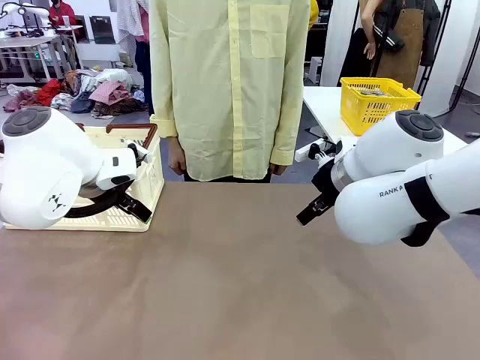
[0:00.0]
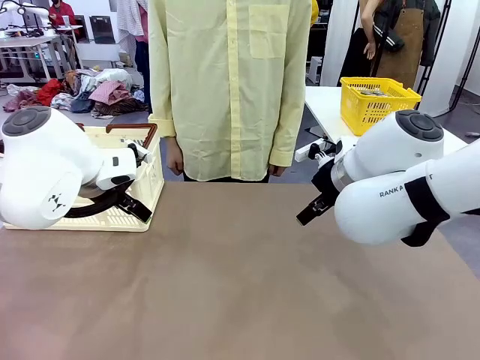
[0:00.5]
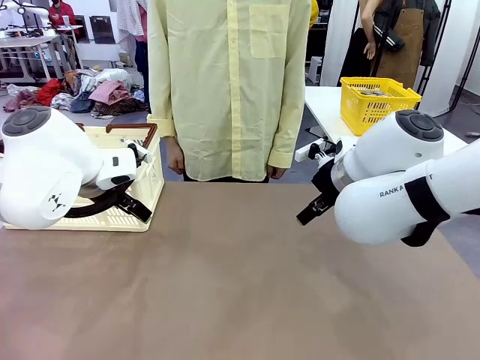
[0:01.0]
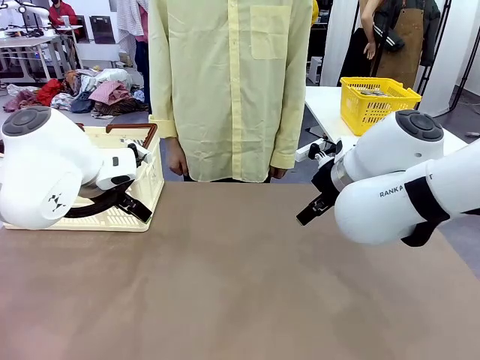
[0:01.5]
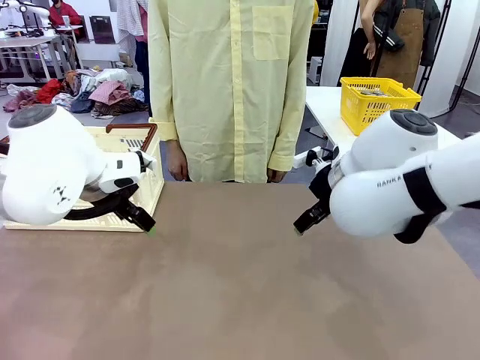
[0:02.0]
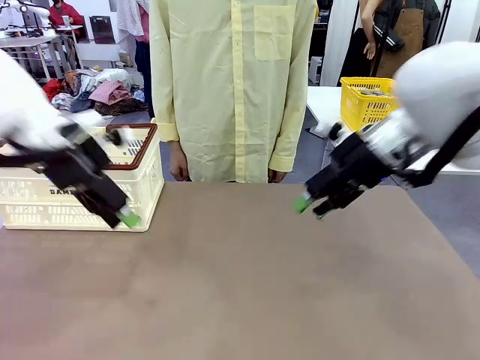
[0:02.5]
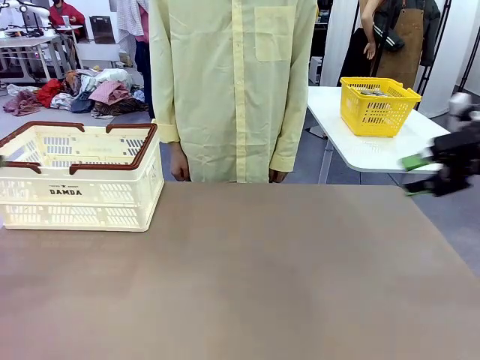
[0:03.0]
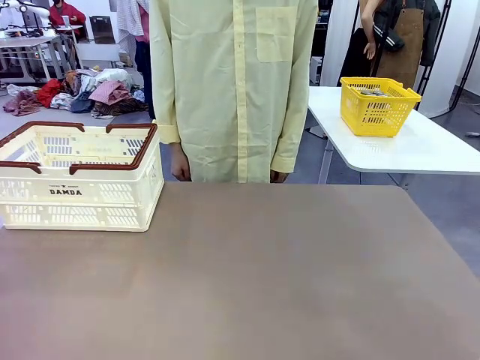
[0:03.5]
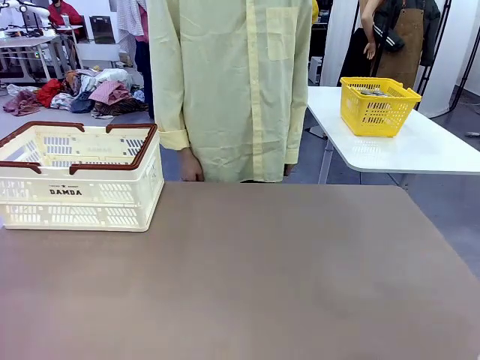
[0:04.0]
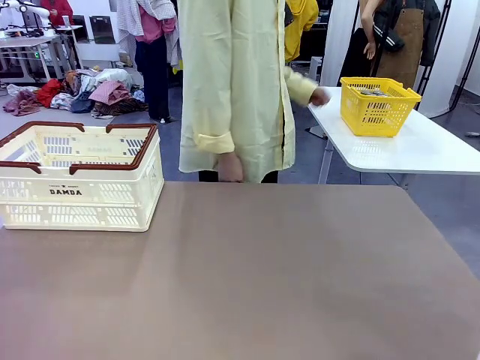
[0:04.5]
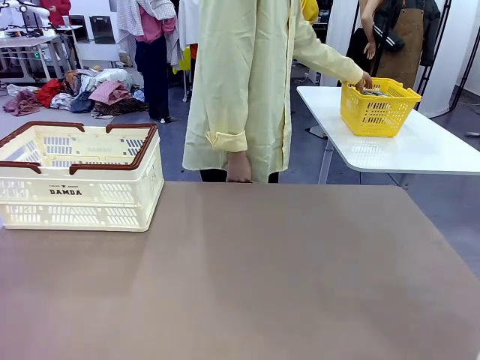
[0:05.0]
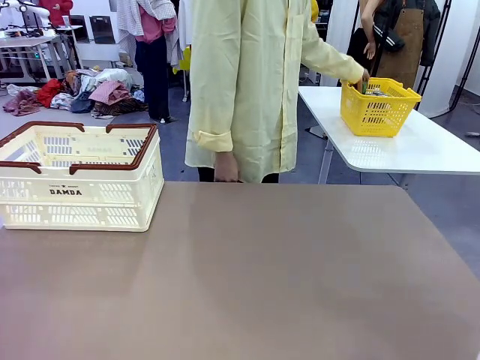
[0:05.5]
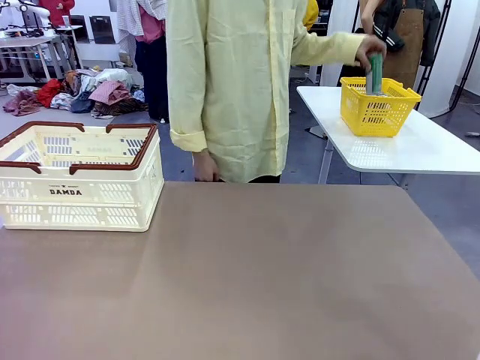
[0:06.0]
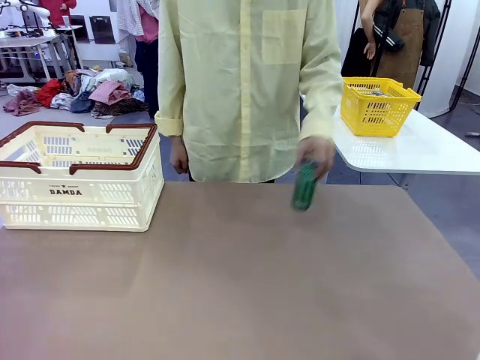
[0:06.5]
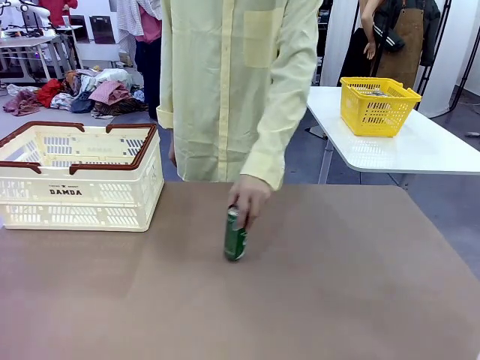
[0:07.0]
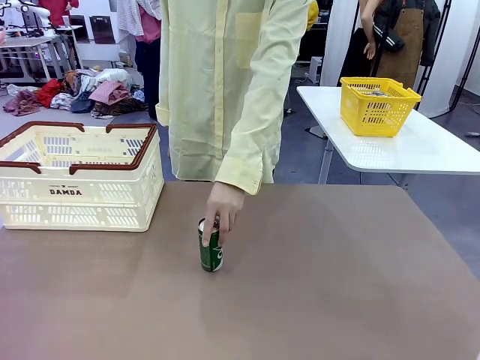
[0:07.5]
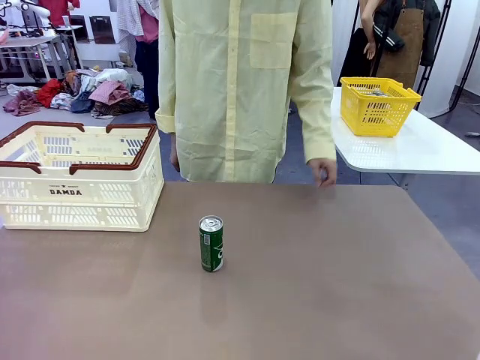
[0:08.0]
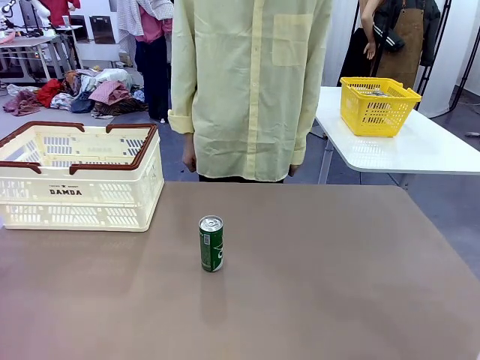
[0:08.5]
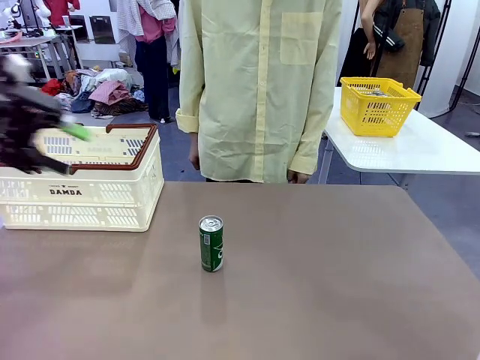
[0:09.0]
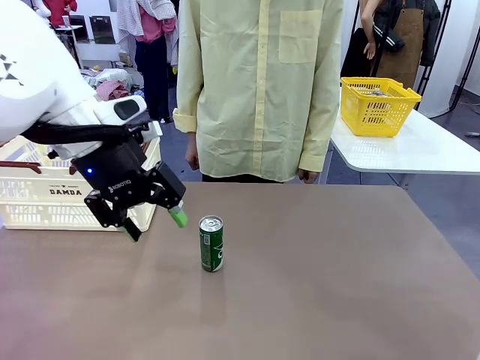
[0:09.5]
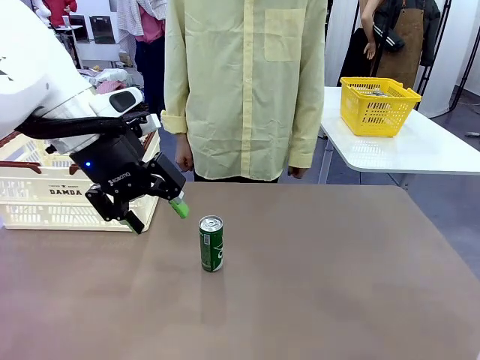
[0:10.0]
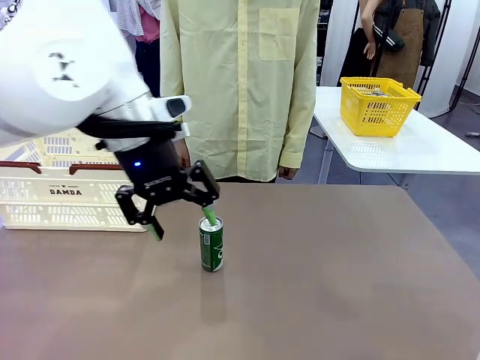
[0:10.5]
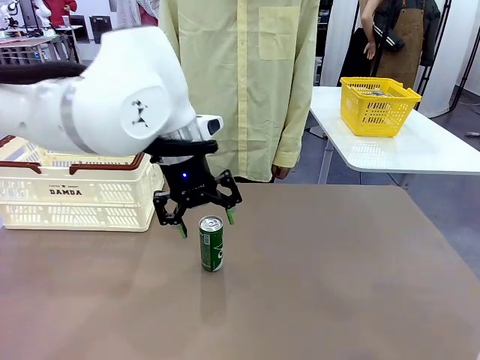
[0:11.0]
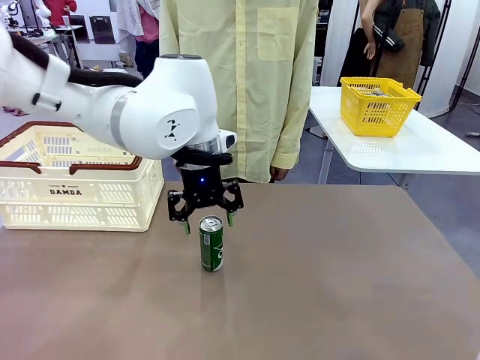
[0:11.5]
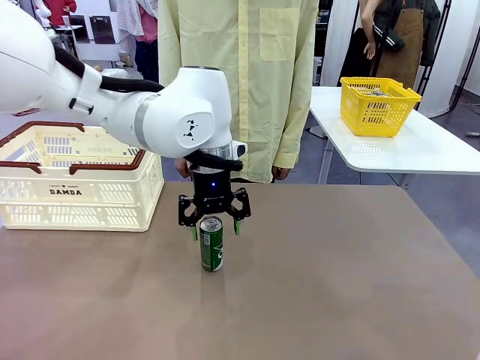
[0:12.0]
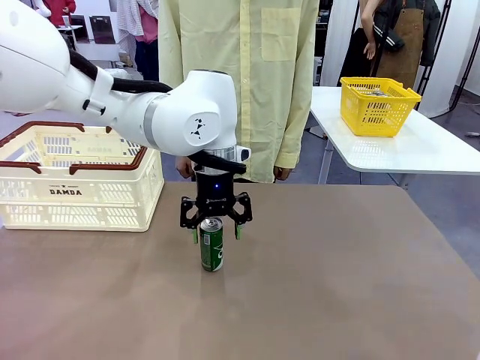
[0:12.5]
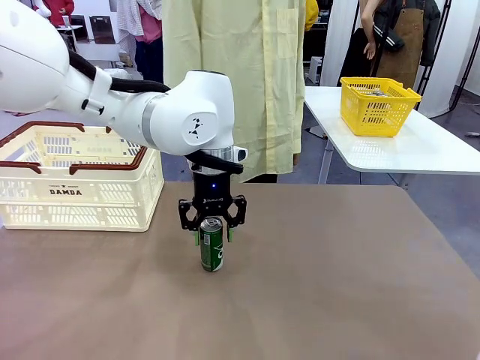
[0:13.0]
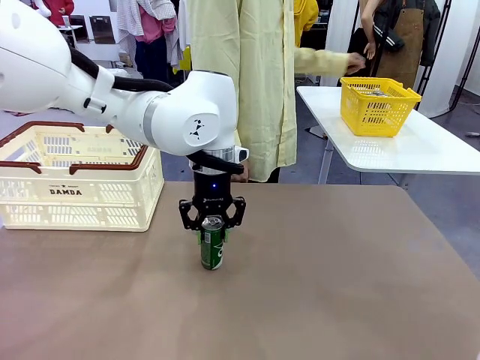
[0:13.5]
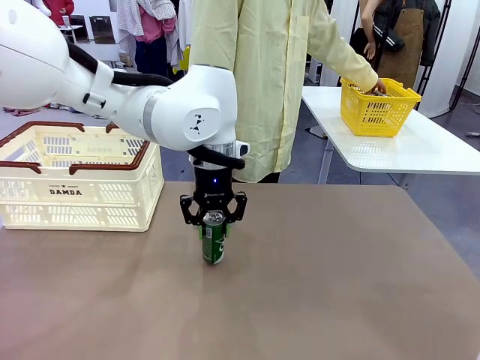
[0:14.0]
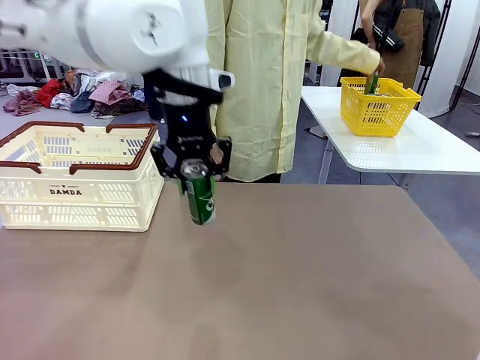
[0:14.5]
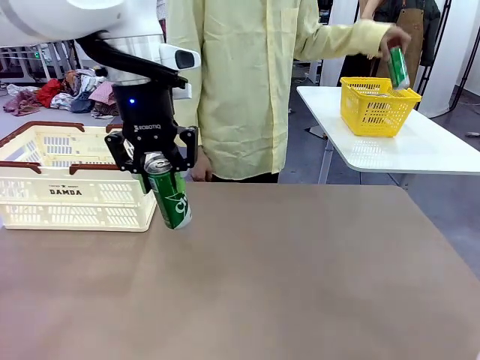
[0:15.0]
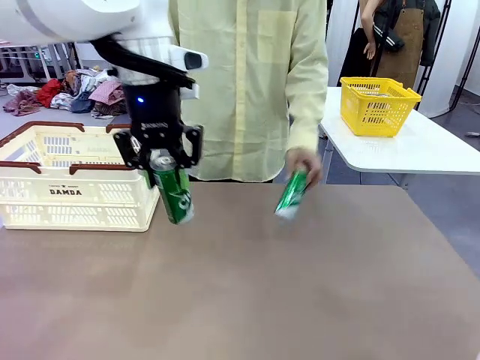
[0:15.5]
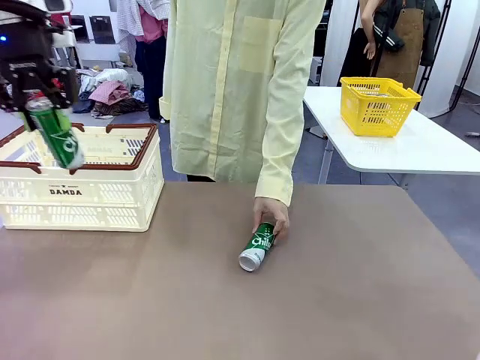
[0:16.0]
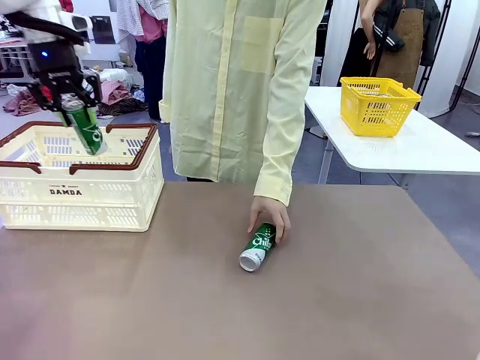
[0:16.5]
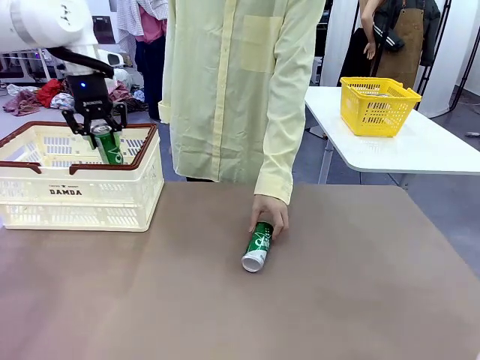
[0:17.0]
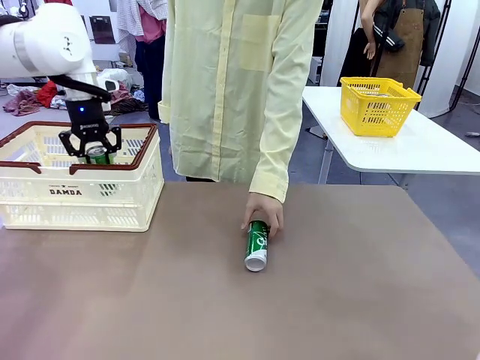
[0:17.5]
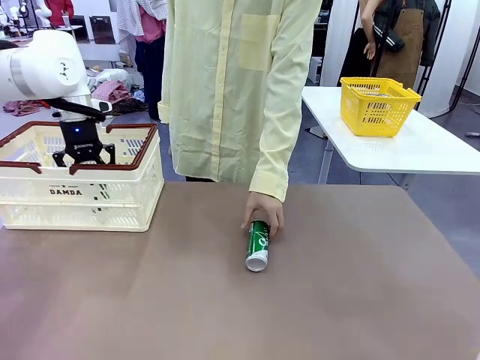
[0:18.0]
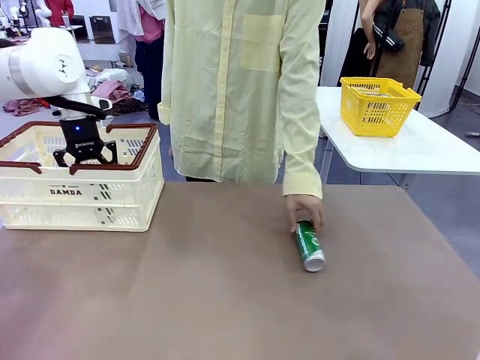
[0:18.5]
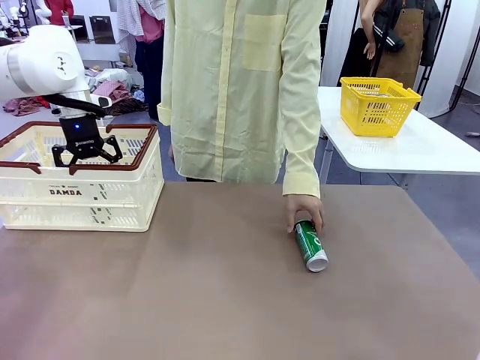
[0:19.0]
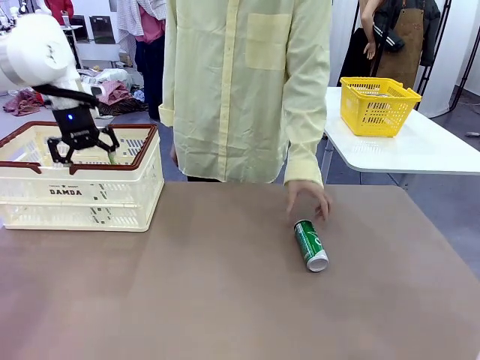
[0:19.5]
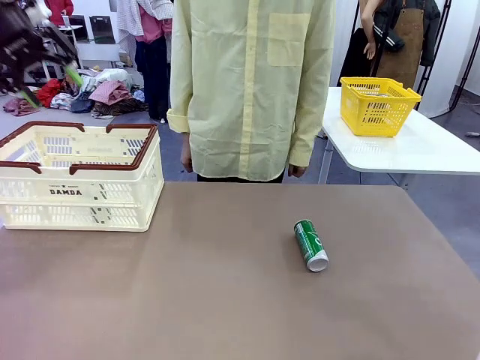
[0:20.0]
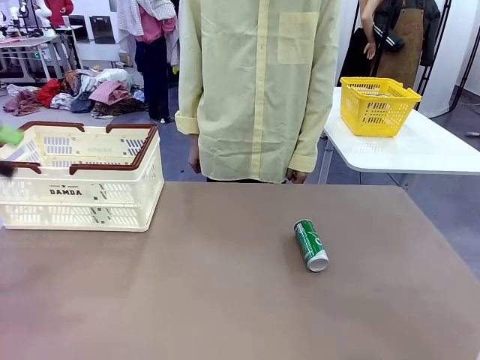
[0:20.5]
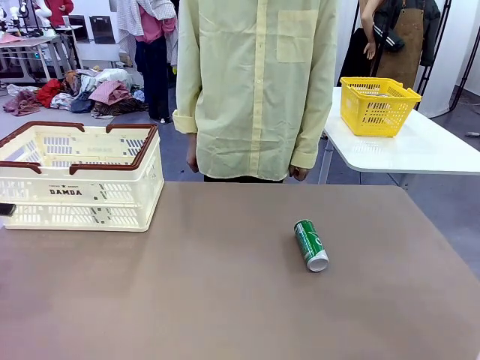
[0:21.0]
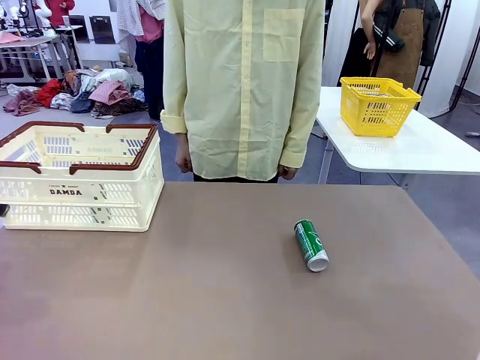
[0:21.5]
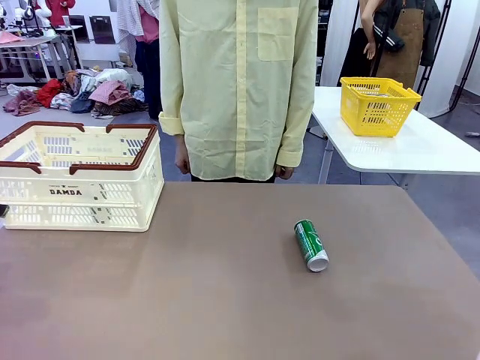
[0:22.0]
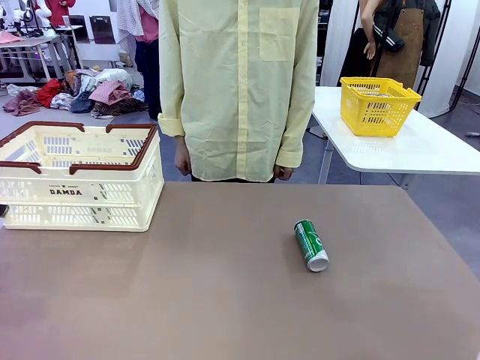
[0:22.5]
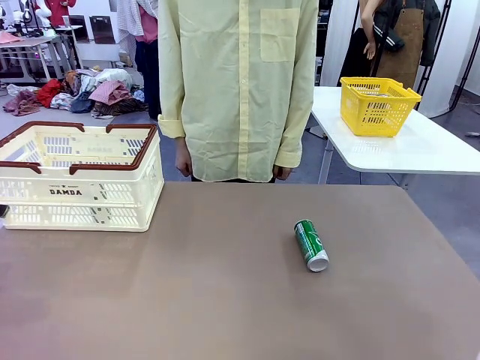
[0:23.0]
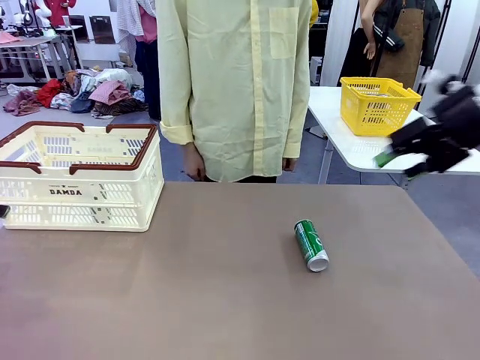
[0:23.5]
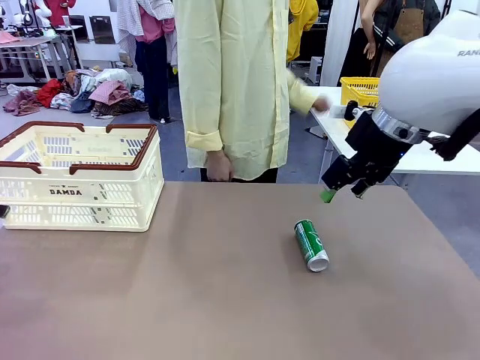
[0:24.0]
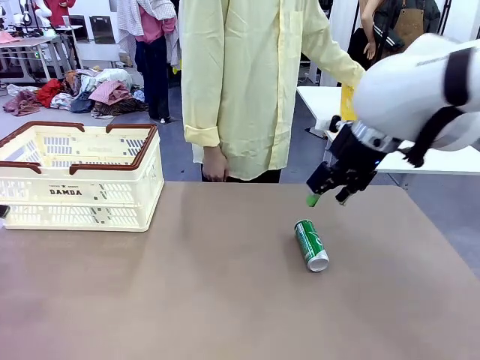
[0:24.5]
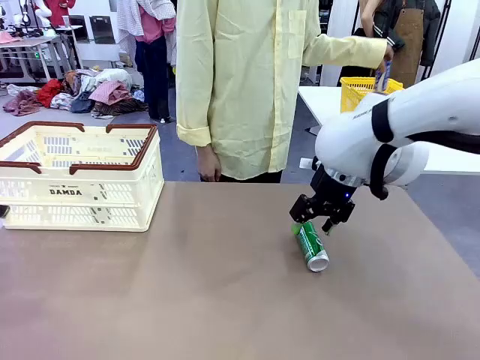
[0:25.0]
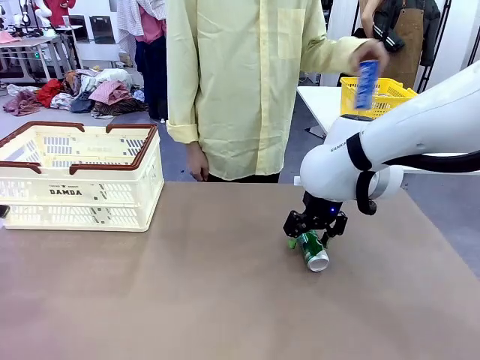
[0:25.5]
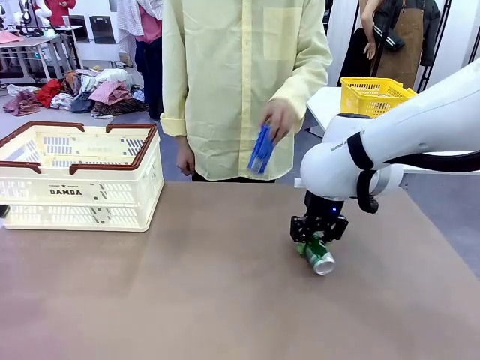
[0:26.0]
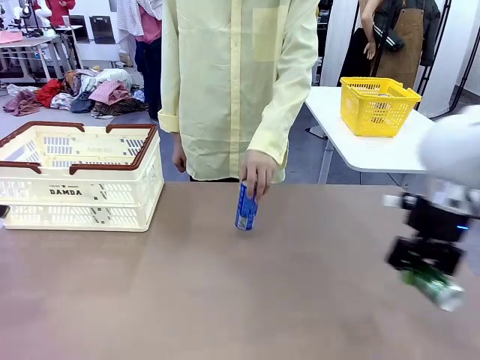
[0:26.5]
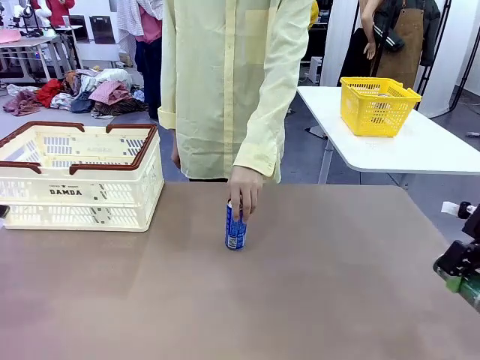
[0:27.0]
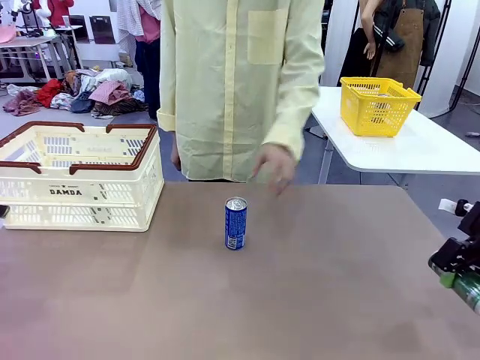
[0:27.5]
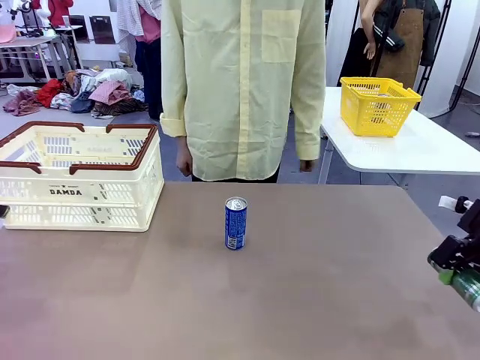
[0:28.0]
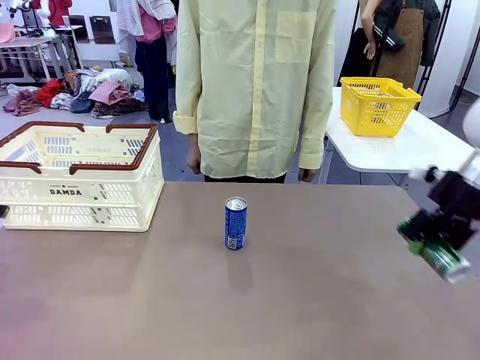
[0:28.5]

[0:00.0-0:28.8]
Task: Place the drinks into the Shopping basket.
Robot: Pick up one drink and place it into the Shopping basket.
